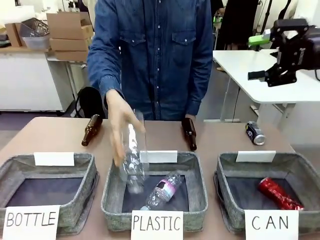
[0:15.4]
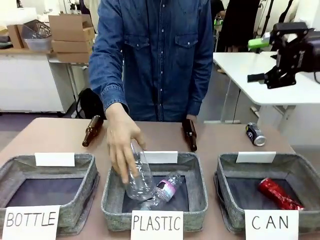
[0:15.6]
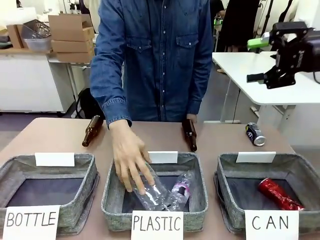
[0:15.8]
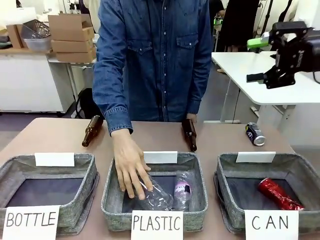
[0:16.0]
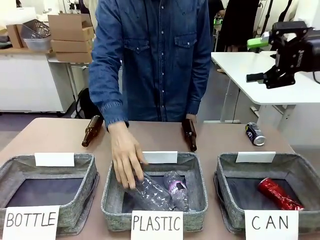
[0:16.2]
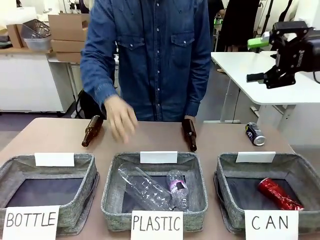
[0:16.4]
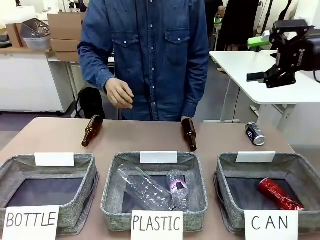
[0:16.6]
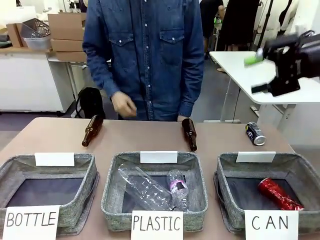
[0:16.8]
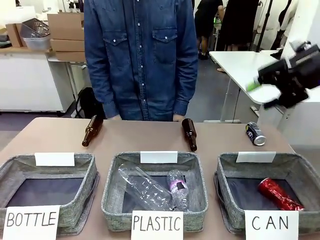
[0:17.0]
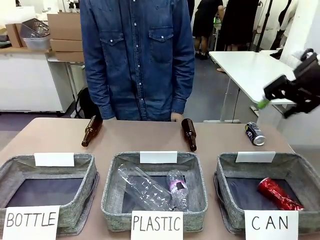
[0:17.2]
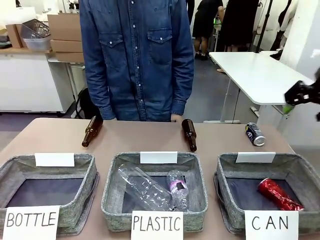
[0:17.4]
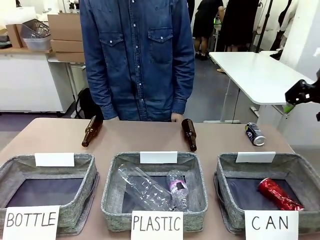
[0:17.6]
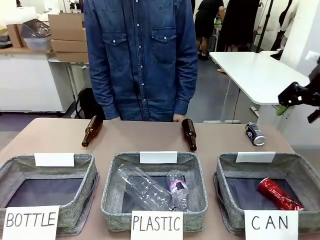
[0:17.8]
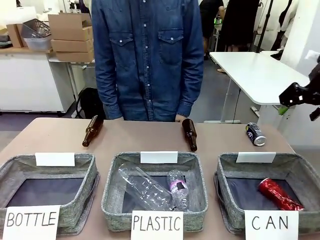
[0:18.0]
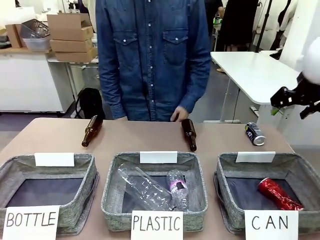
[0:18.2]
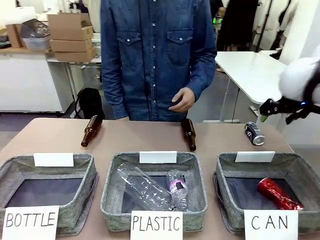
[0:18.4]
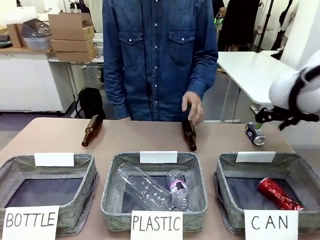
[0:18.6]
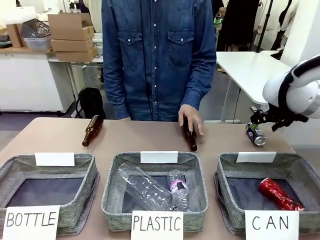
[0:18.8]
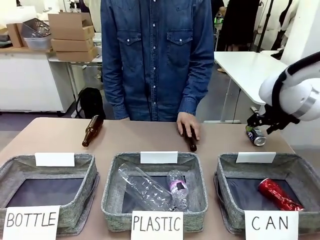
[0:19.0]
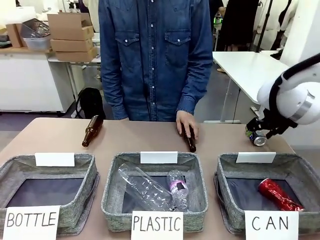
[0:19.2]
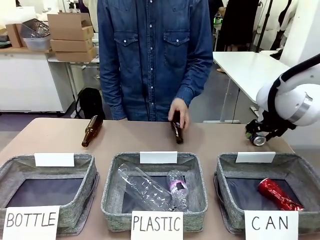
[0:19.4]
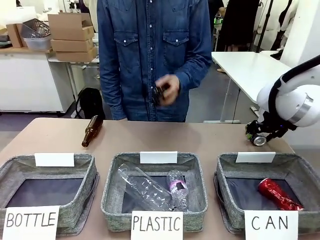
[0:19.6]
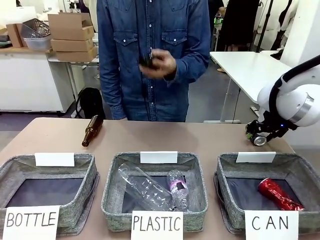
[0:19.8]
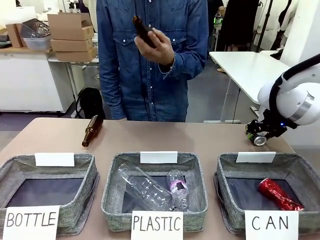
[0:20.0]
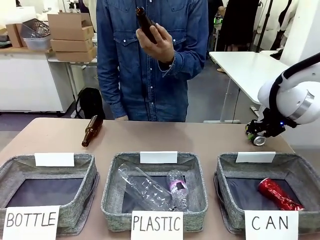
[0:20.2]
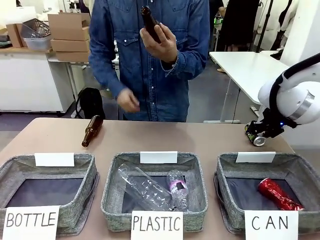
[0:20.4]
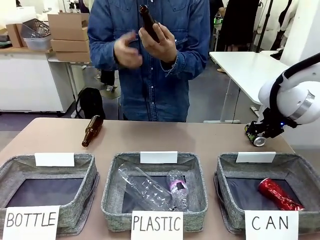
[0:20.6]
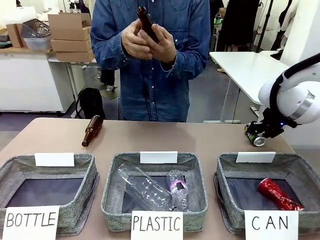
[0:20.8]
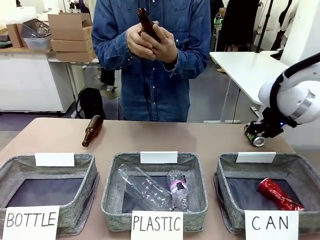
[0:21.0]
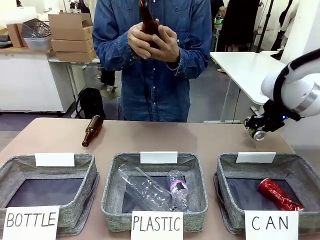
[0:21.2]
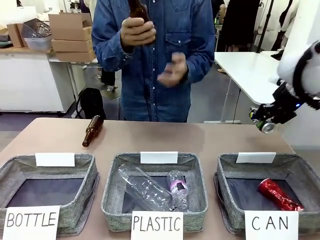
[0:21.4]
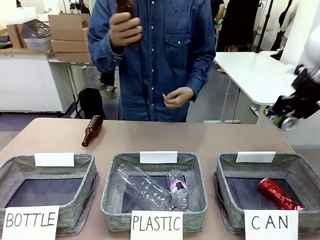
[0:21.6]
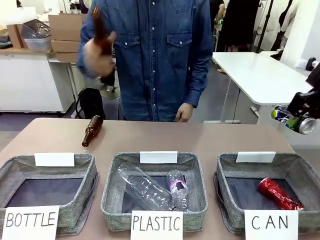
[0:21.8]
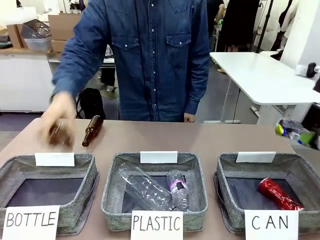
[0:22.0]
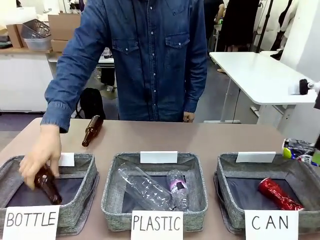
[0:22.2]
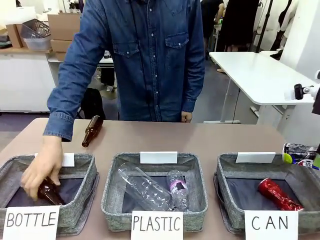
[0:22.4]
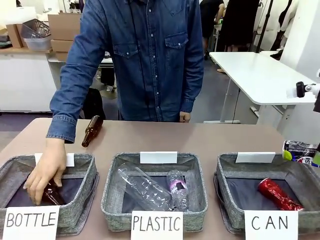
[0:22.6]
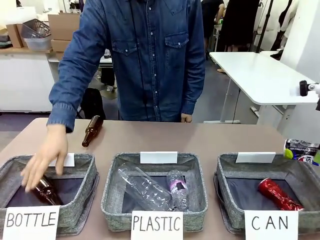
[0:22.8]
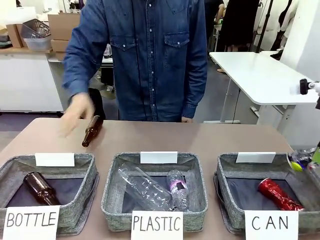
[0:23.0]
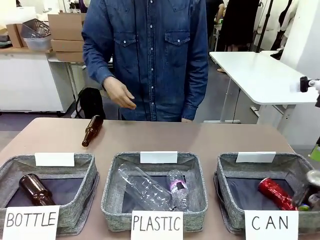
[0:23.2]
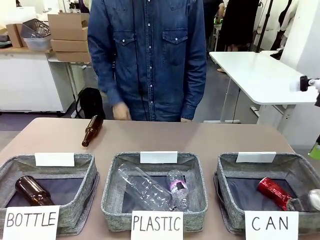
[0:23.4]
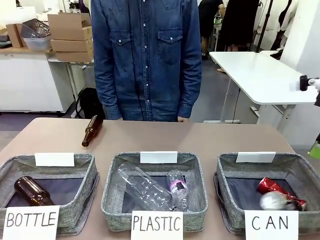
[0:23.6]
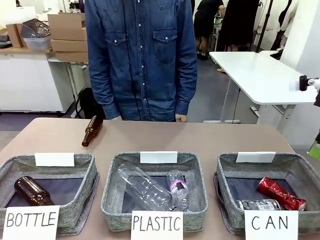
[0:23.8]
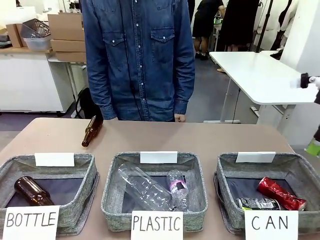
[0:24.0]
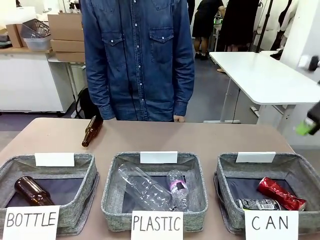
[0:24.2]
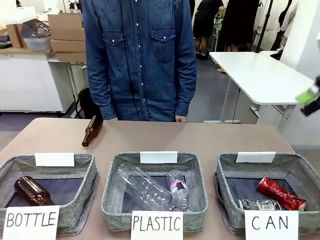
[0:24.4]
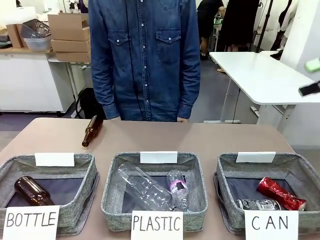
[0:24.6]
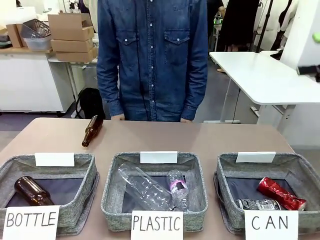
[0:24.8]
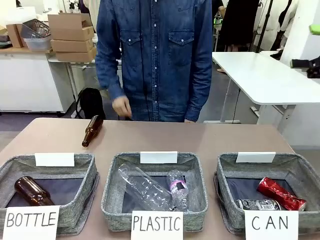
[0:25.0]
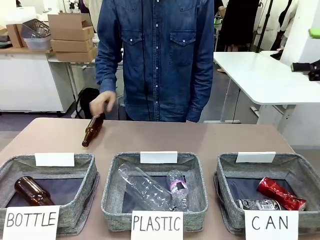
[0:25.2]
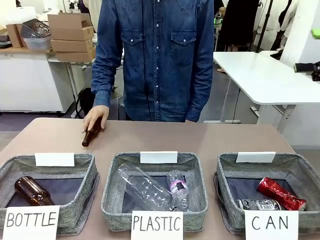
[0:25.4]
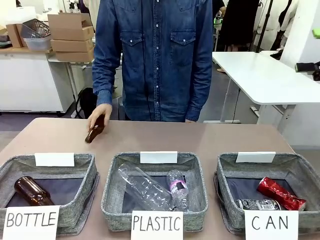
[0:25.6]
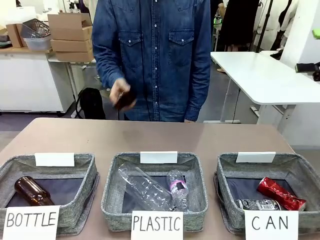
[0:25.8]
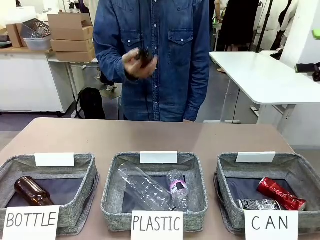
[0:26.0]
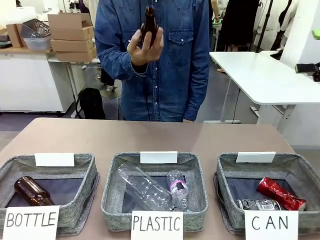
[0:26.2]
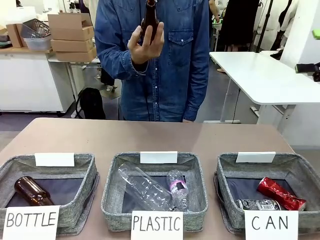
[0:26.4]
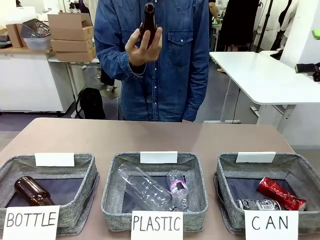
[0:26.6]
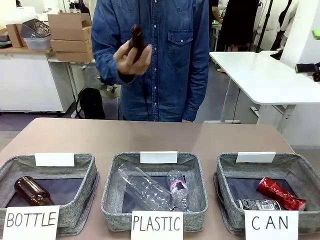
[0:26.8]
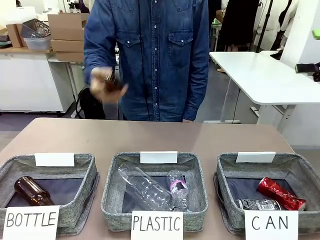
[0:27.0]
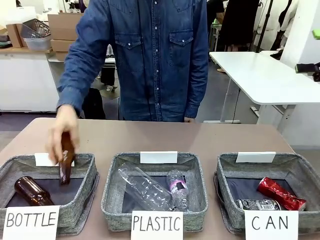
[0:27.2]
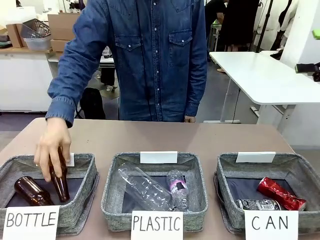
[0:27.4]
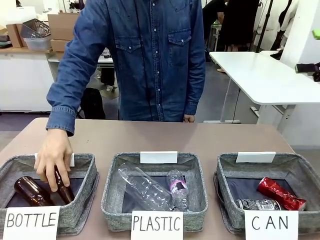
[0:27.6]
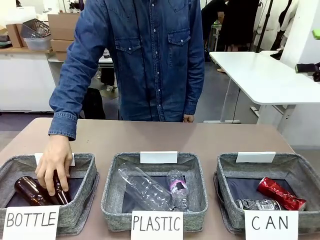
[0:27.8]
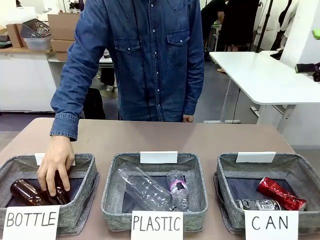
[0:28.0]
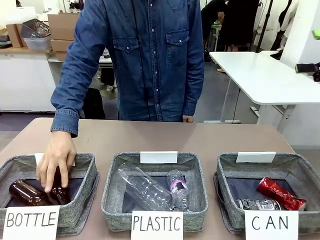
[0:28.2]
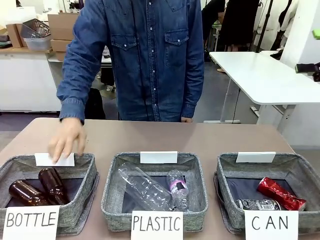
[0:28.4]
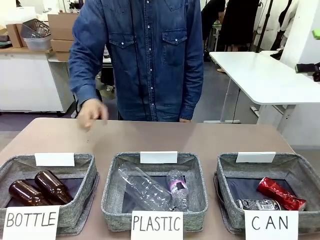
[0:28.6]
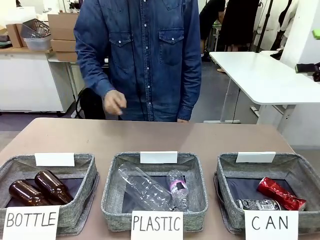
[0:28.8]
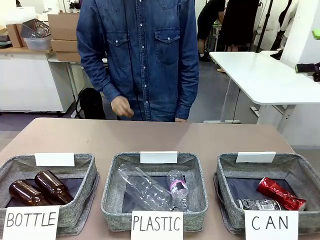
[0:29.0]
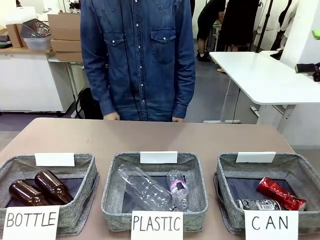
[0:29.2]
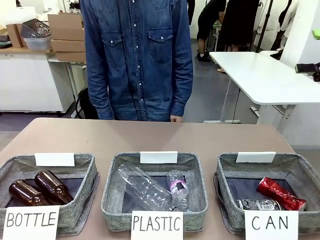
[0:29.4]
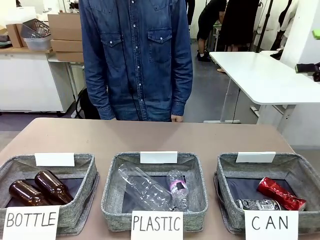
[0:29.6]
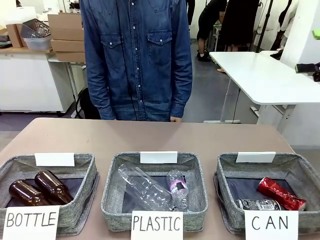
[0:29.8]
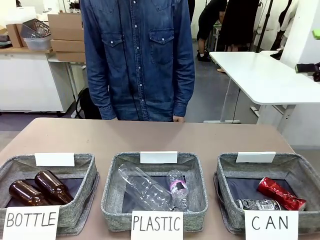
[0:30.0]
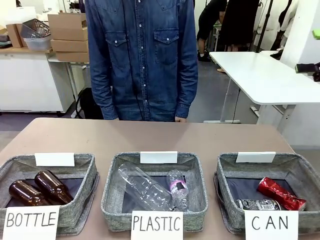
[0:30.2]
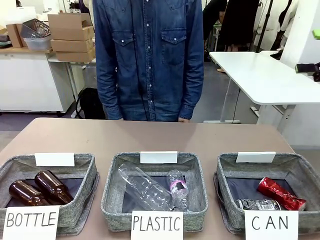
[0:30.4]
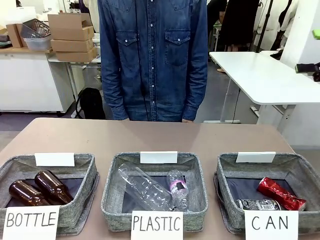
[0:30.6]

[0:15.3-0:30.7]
Task: Sort the can waste into the basket.
Robot: Pick up the can waste from the table and place it in the right Fabric basket.
Person: The human picks up one piece of trash that is not a can and places the trash into the appropriate organizing basket.
